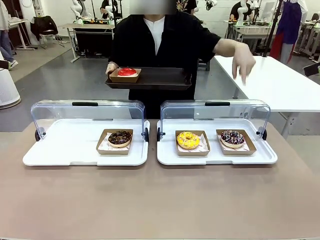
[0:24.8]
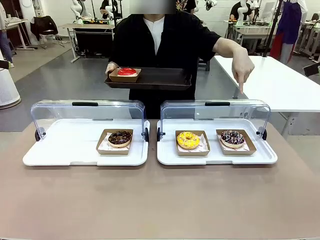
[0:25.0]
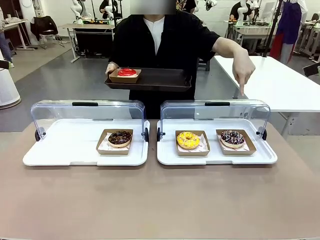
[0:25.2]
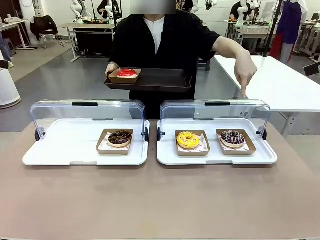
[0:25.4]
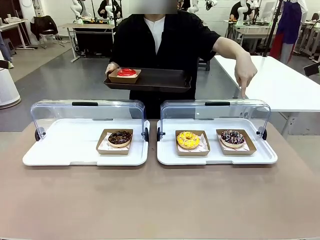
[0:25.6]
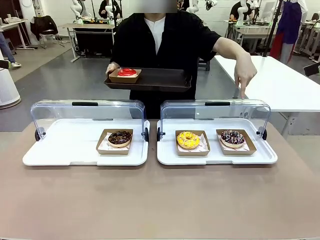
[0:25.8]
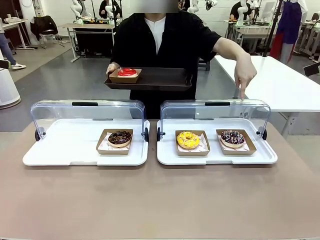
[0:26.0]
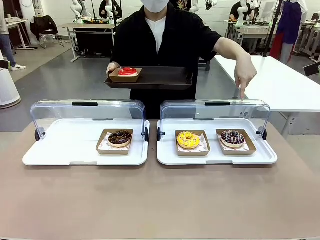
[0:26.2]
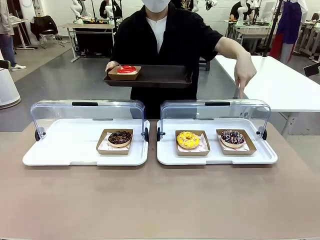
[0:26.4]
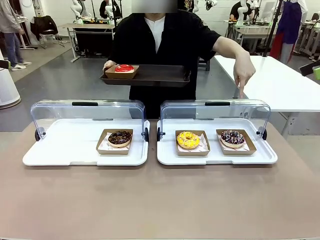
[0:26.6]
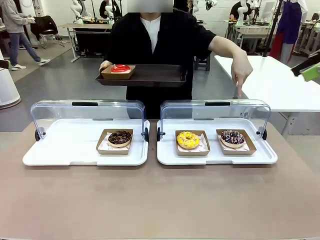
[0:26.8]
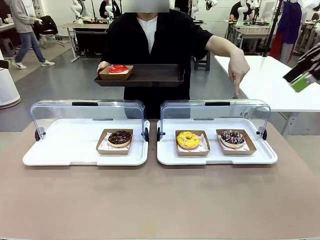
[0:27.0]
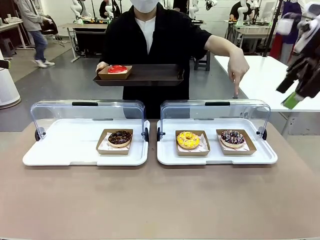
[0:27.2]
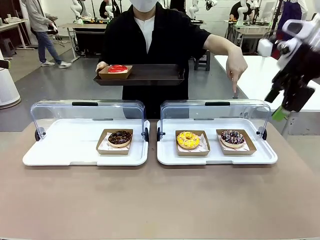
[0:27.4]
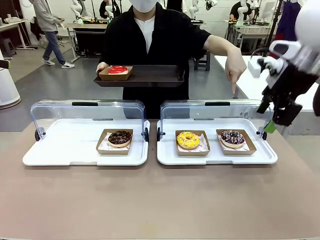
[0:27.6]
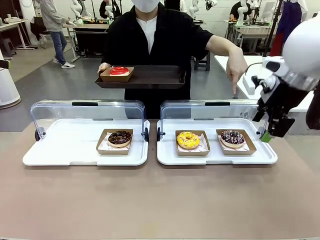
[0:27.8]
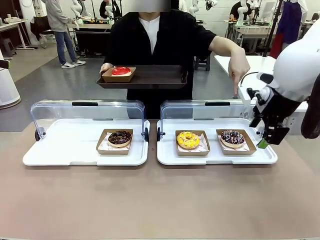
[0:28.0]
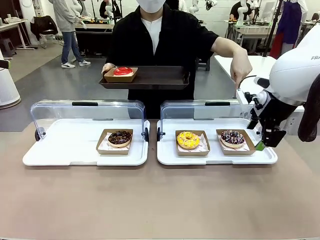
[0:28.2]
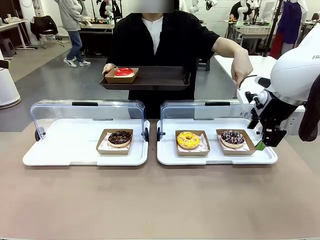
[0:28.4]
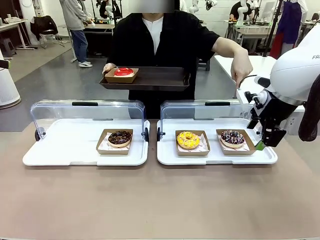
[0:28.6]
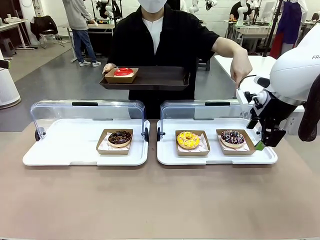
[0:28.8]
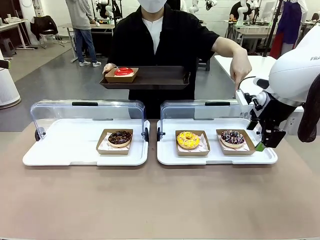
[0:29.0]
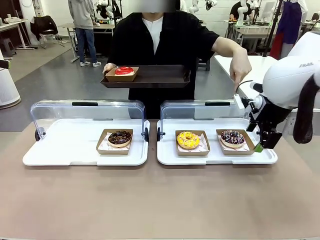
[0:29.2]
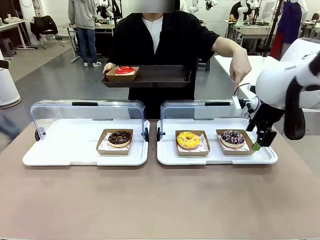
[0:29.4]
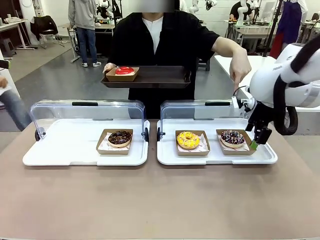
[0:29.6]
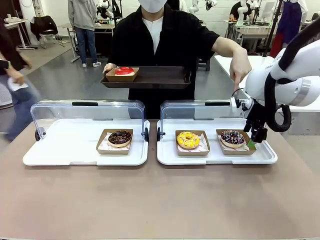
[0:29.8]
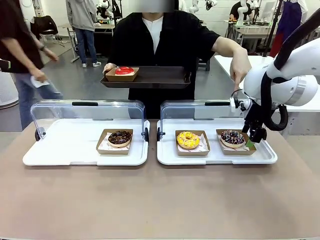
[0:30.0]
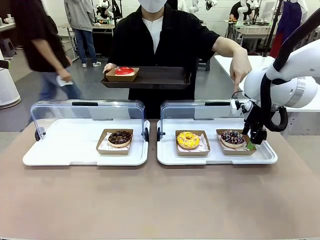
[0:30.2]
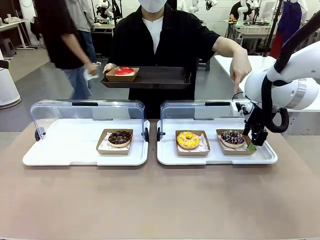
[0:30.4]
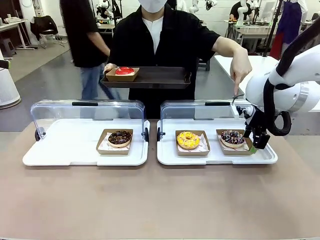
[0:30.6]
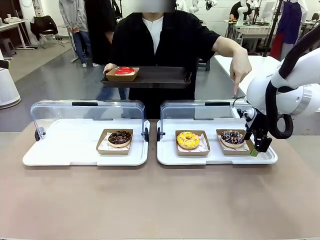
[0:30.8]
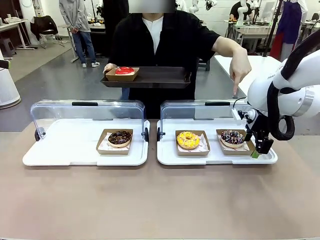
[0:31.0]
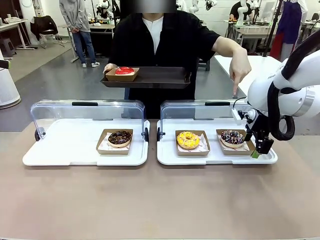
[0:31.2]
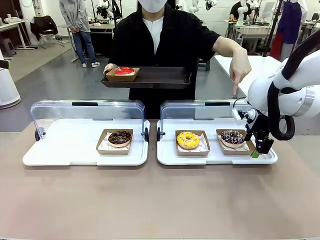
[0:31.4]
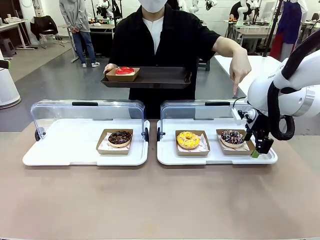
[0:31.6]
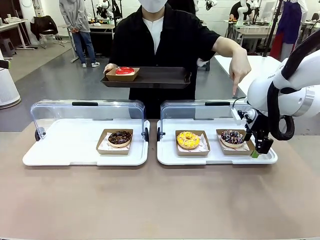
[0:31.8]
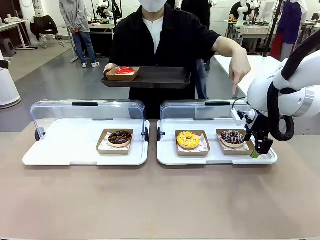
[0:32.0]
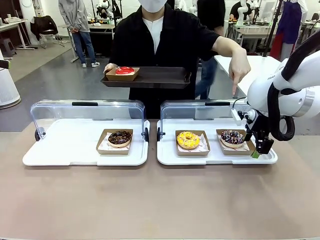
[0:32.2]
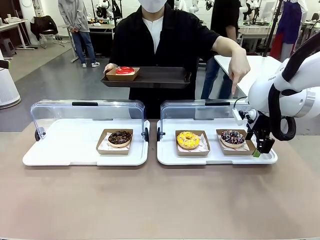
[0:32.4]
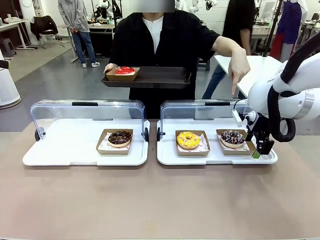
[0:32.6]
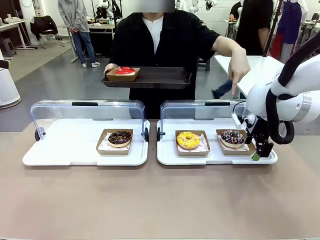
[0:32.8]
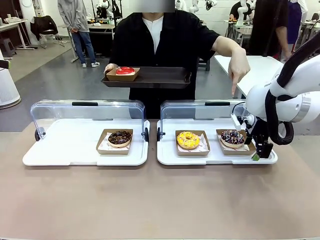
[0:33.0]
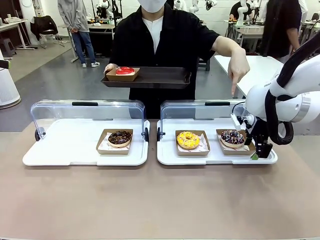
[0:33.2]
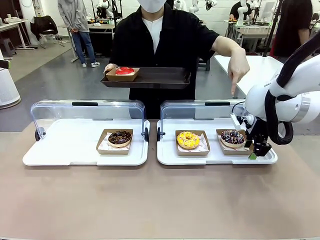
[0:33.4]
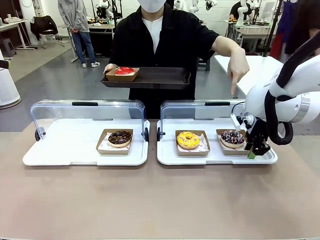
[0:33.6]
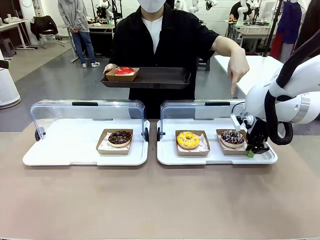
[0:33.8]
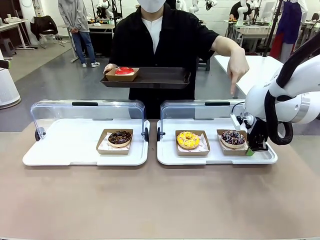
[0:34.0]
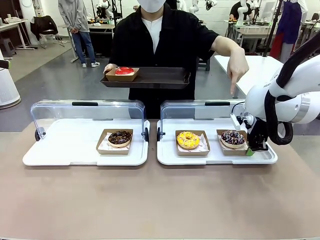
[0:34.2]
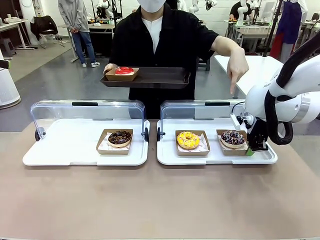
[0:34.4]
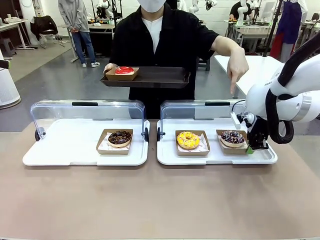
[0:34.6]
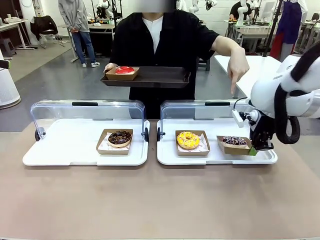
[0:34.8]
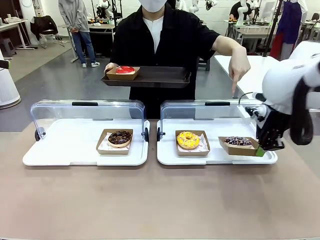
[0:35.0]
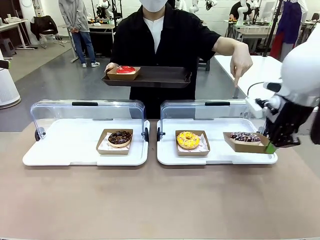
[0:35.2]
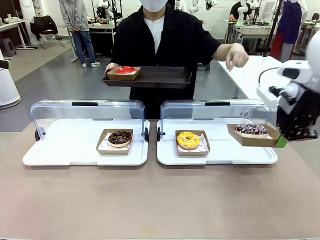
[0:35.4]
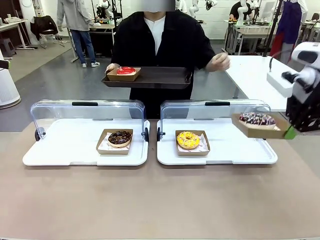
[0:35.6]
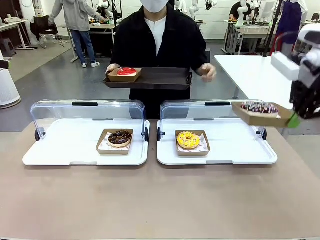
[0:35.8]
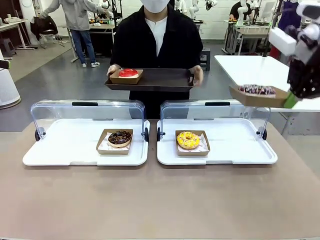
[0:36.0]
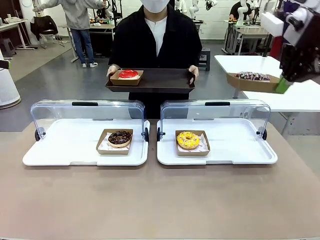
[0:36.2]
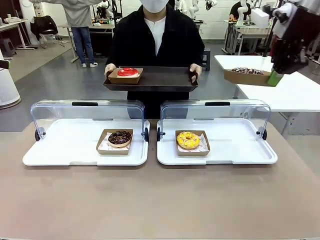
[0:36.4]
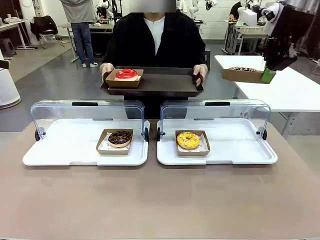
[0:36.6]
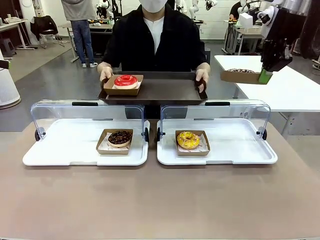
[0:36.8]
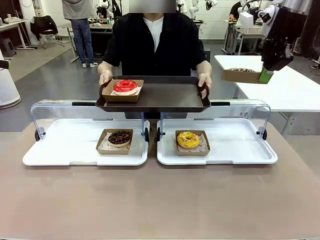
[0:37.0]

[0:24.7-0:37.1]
Task: Provide the desired donut to the person.
Robot: Pick up and lift the Paper togo box containing the Donut pointed at by the person.
Person: Lift the tray onto the Roll-Top Bakery Case.

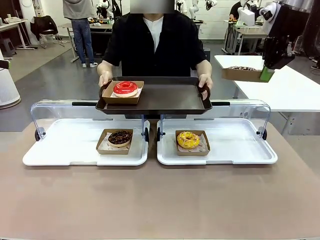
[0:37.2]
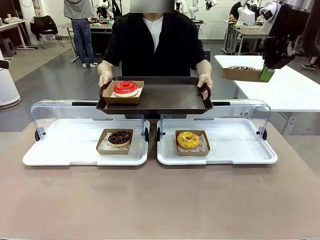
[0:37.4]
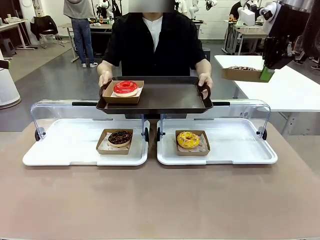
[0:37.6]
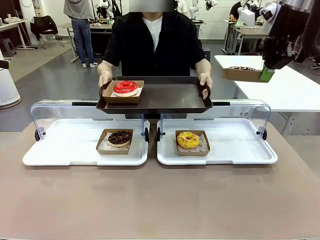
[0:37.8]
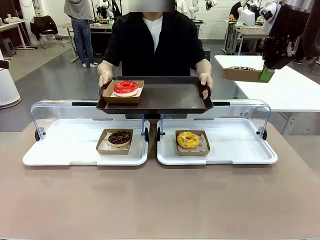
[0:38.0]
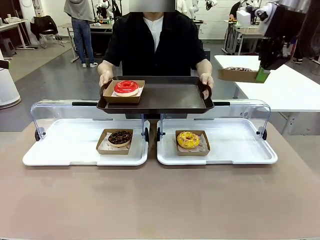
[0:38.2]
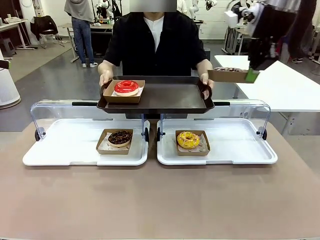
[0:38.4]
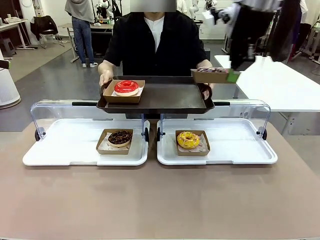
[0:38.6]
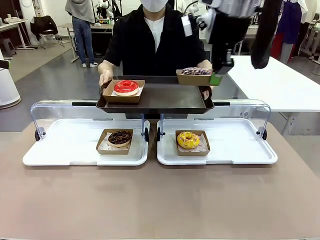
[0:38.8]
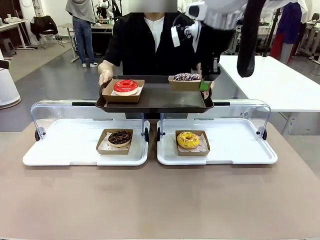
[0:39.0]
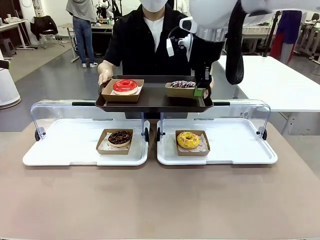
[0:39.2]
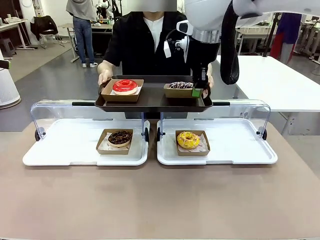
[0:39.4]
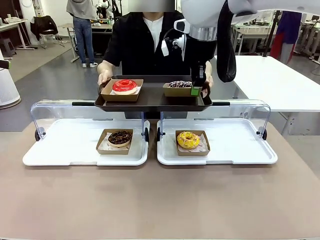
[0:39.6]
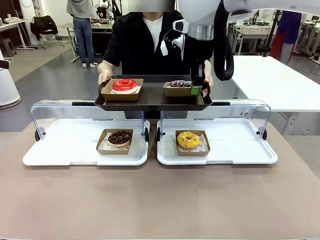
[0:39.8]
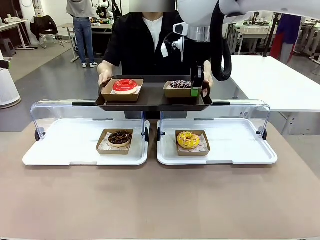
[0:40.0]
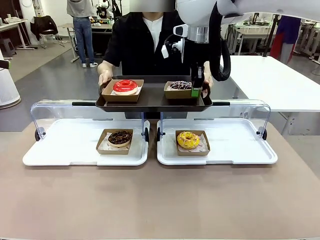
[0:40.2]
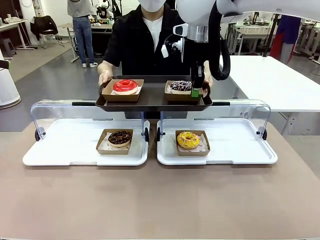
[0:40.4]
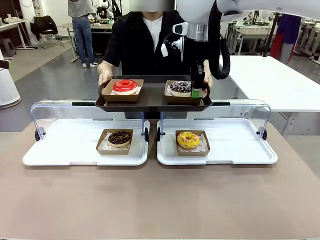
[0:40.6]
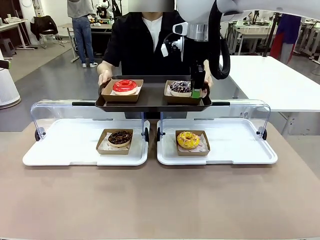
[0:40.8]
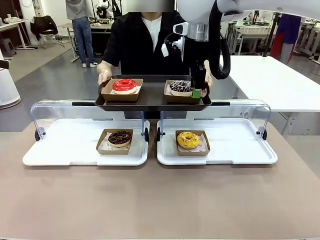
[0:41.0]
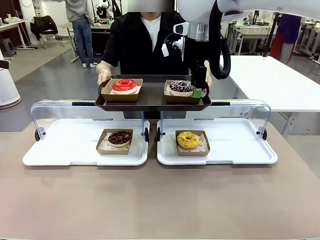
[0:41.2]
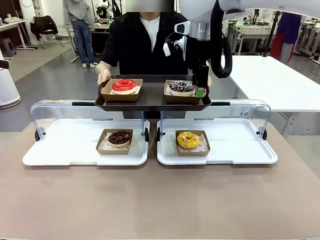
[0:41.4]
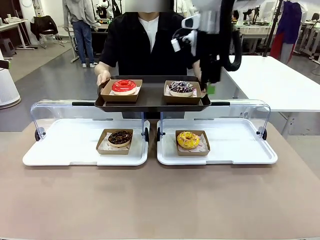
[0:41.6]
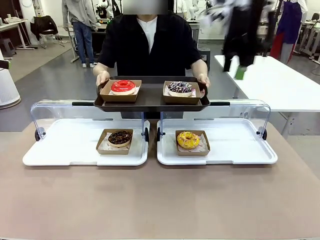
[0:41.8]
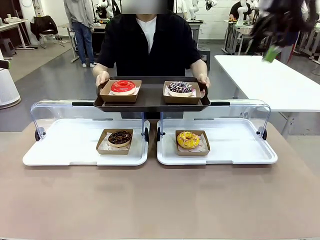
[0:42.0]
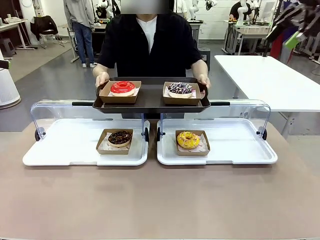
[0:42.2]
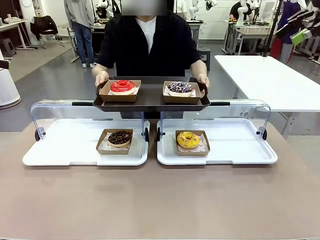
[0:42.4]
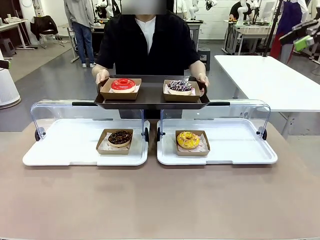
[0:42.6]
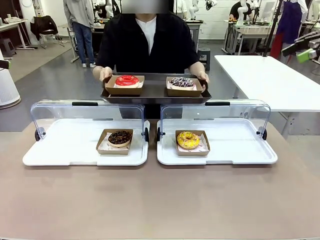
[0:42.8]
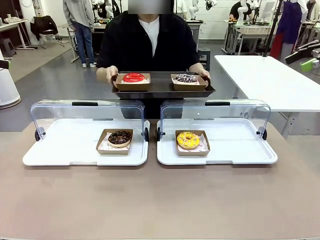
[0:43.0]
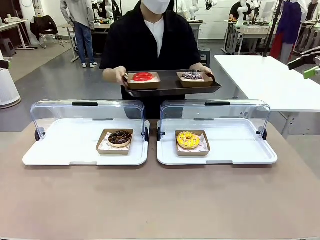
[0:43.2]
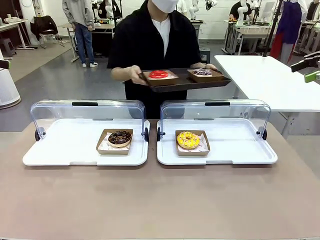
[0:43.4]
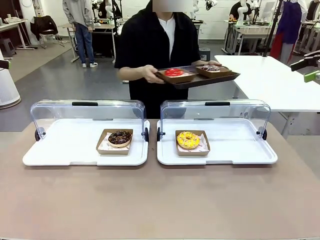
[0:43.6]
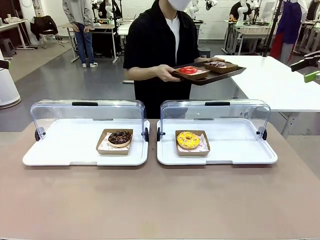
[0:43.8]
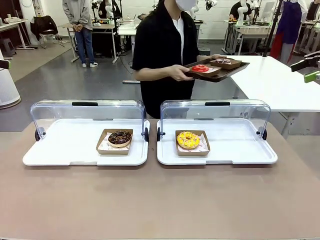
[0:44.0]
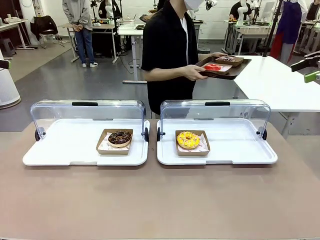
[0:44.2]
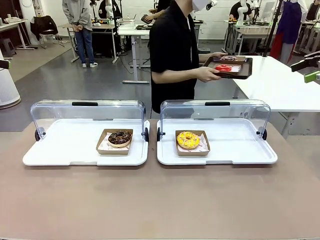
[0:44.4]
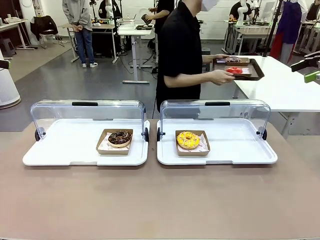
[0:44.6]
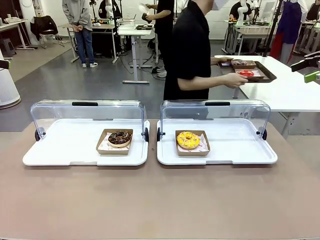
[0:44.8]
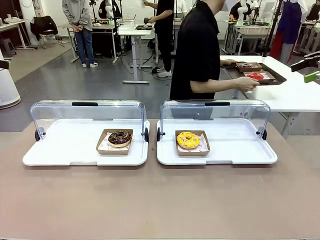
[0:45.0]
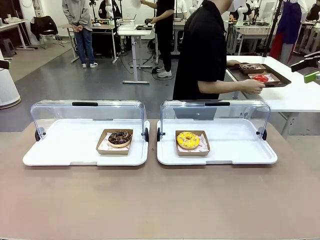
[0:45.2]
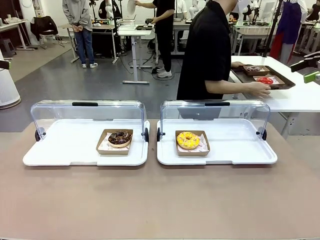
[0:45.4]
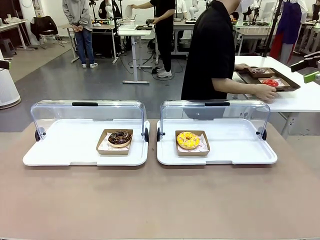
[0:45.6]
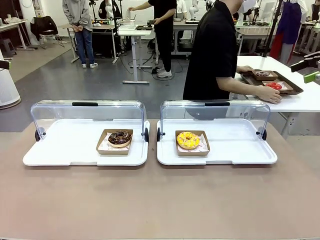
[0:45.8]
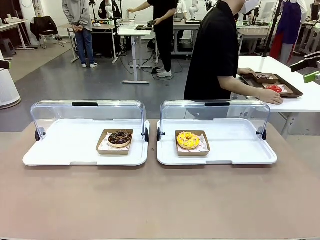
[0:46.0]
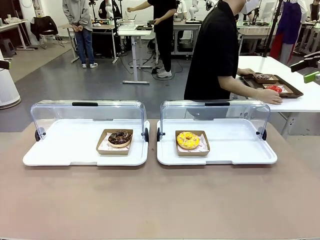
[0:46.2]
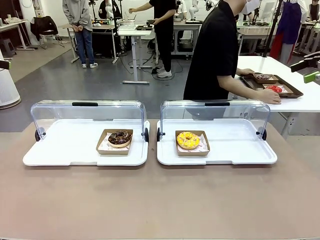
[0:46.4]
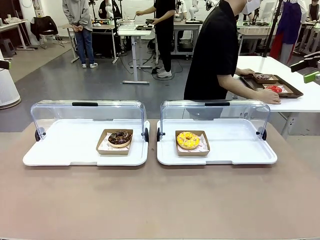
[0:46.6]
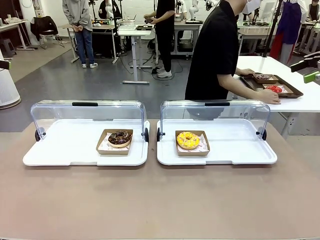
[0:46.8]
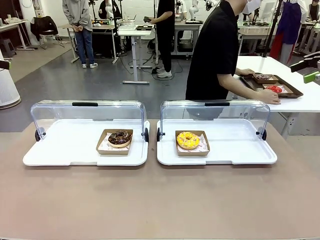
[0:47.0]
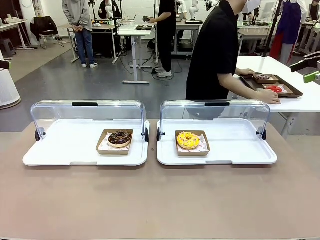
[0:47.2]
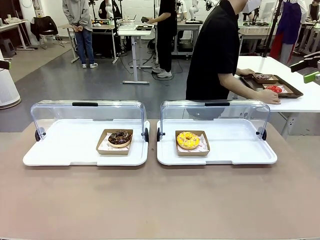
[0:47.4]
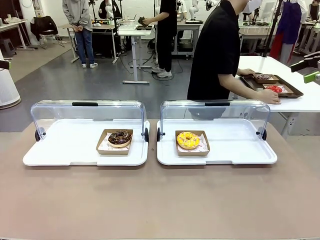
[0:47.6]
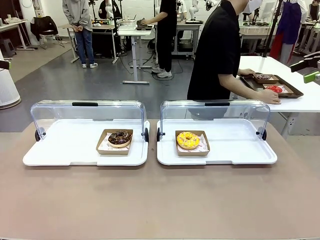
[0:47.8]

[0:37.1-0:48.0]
Robot: Place the picked Paper togo box onto the Handle tray extended by the person.
Person: Place the tray in the middle of the human table.
